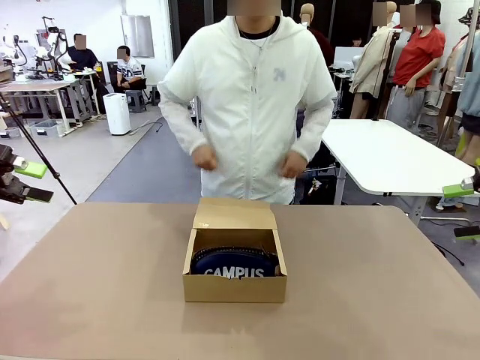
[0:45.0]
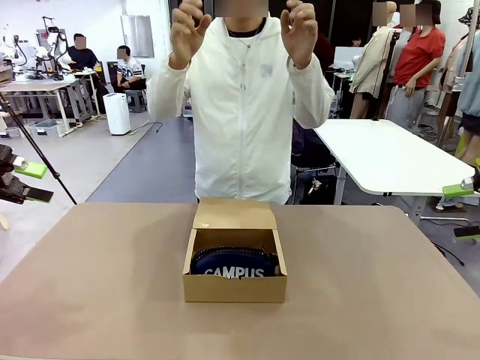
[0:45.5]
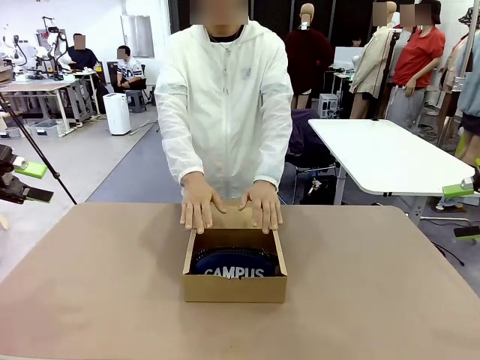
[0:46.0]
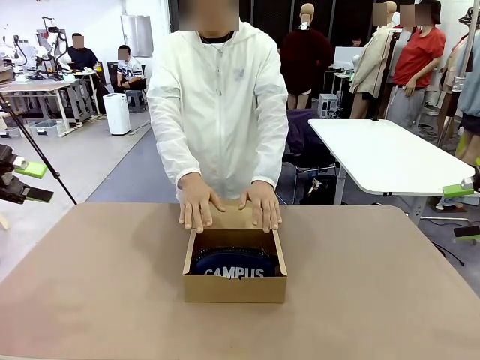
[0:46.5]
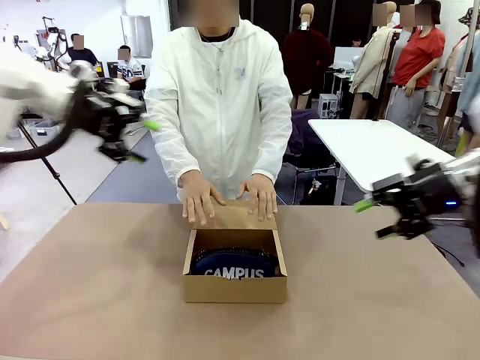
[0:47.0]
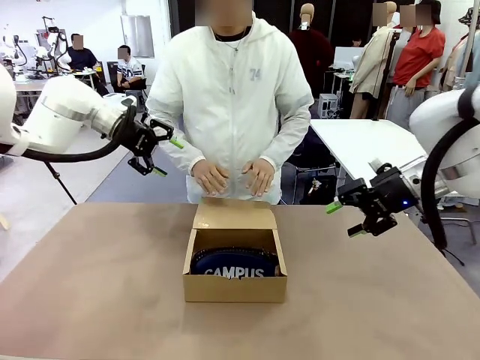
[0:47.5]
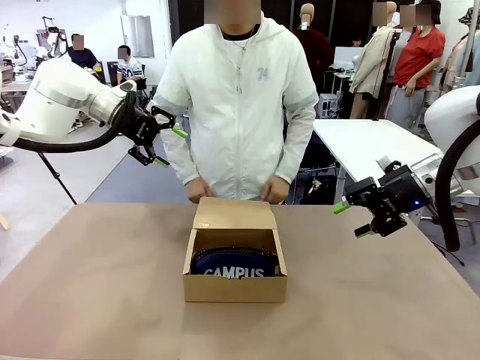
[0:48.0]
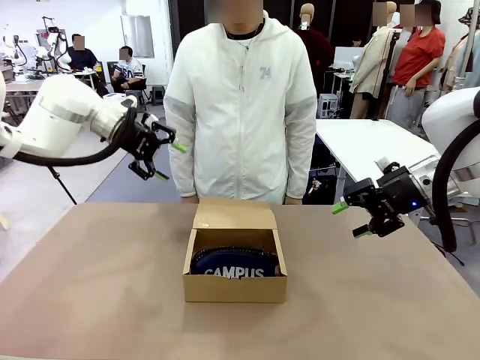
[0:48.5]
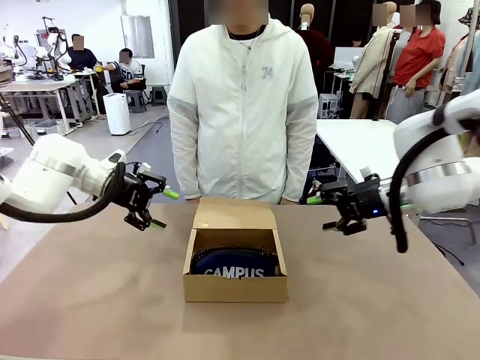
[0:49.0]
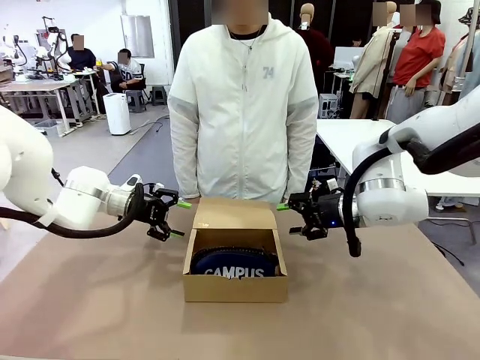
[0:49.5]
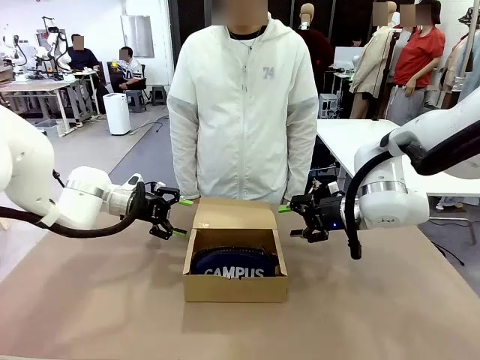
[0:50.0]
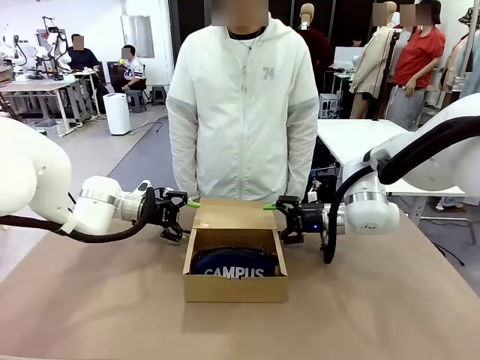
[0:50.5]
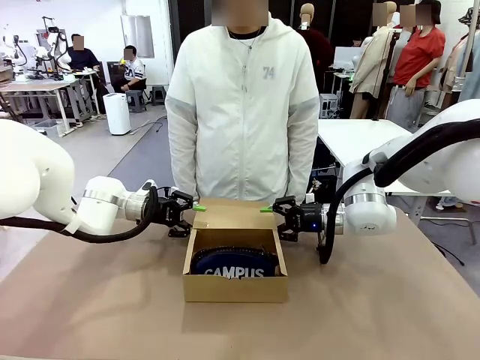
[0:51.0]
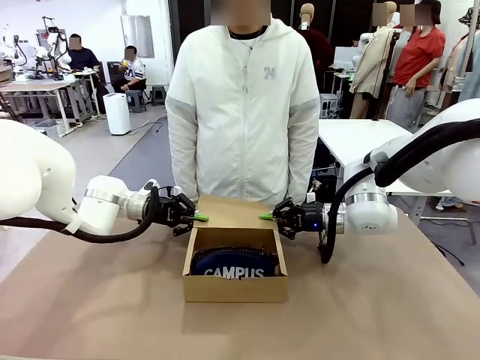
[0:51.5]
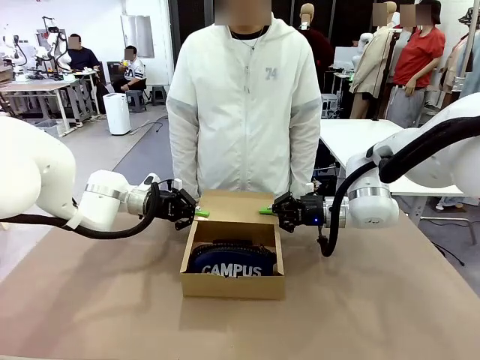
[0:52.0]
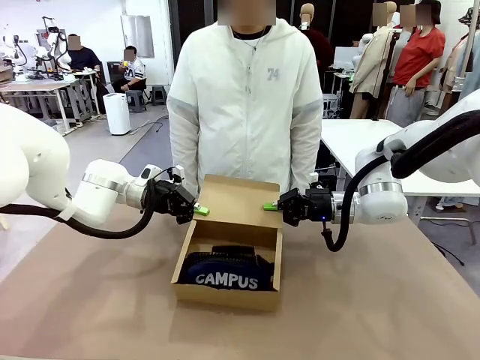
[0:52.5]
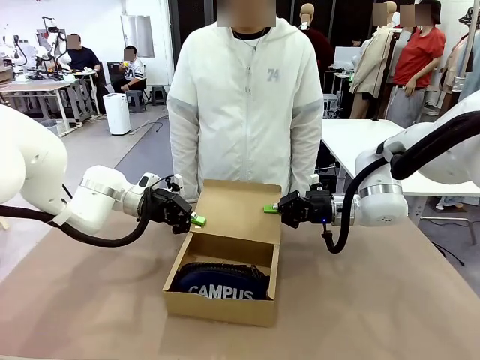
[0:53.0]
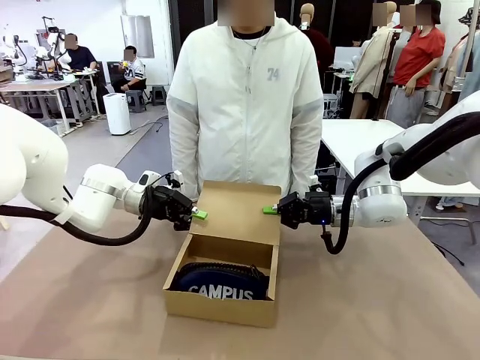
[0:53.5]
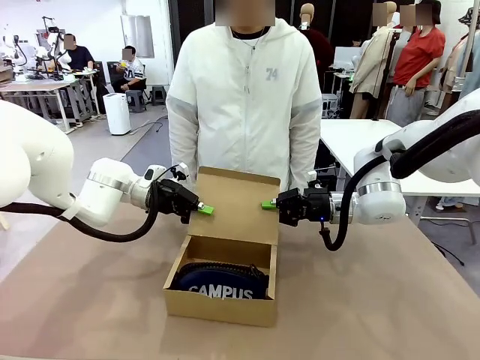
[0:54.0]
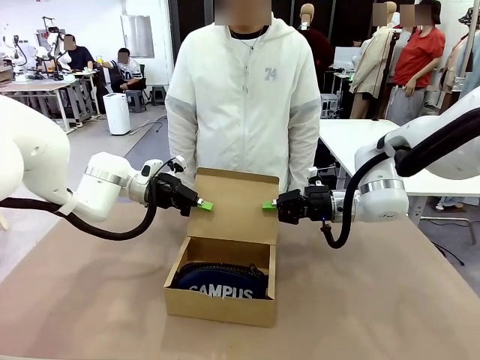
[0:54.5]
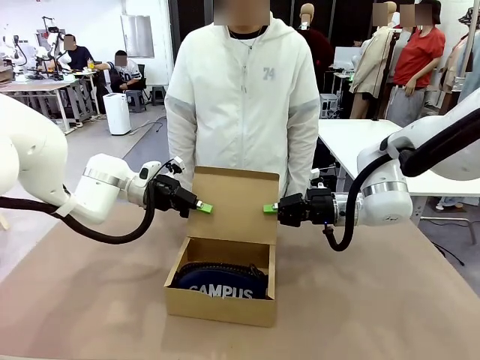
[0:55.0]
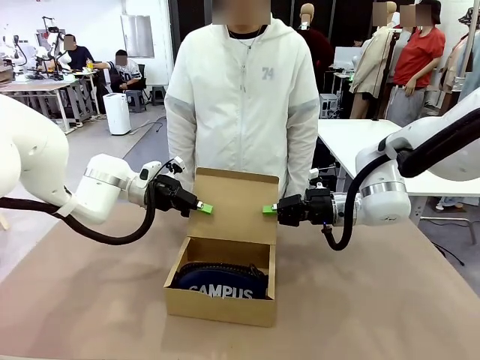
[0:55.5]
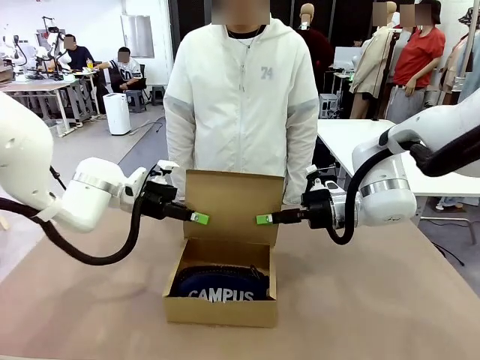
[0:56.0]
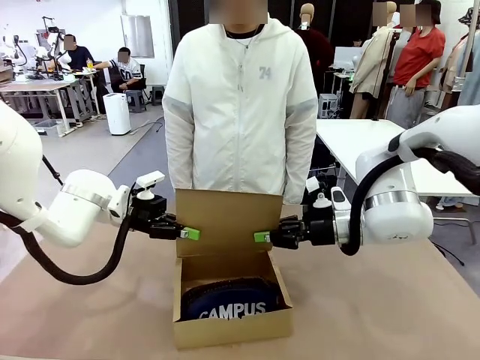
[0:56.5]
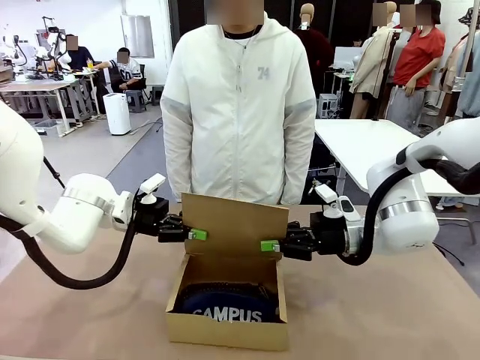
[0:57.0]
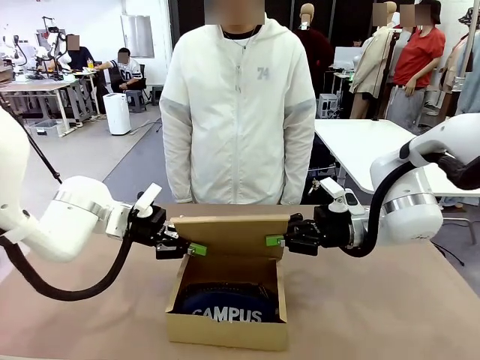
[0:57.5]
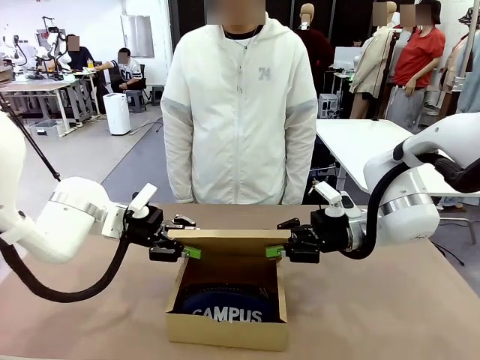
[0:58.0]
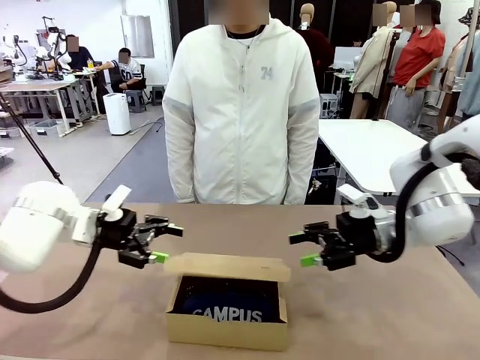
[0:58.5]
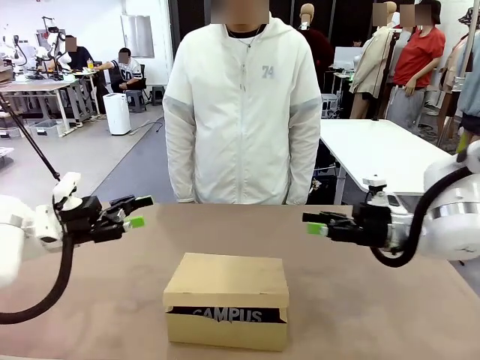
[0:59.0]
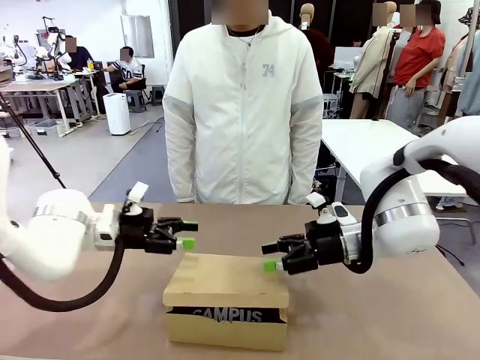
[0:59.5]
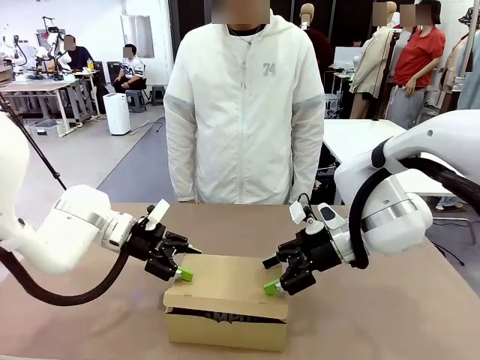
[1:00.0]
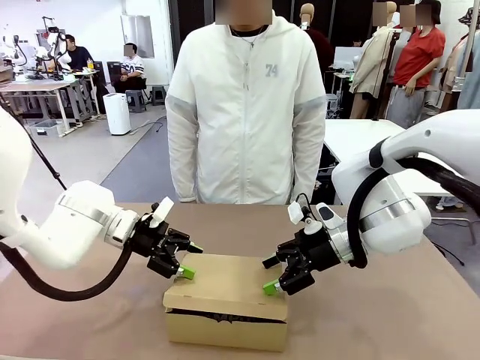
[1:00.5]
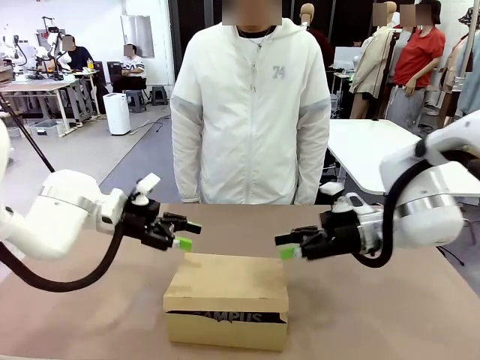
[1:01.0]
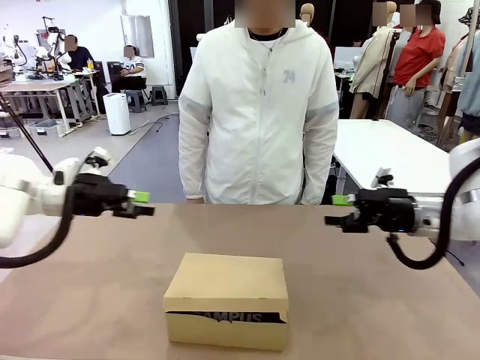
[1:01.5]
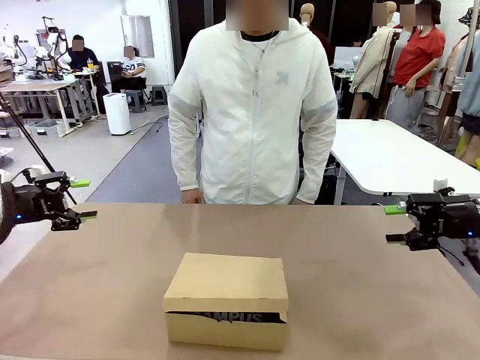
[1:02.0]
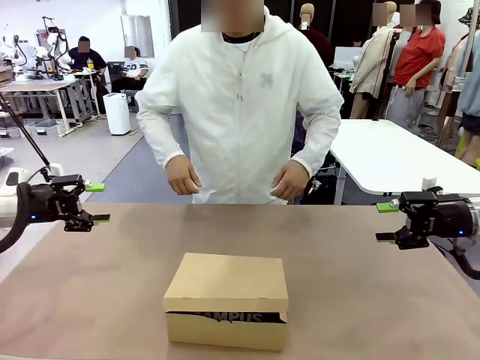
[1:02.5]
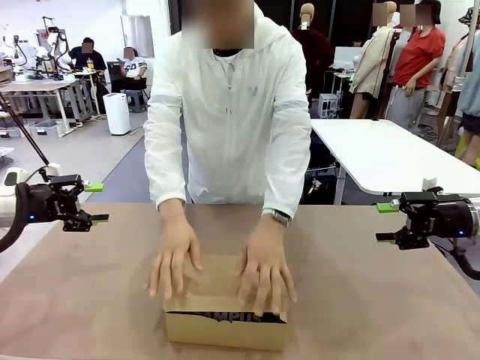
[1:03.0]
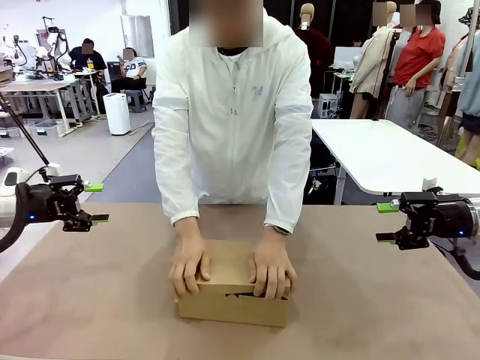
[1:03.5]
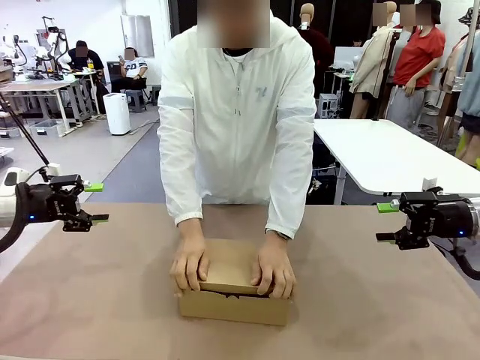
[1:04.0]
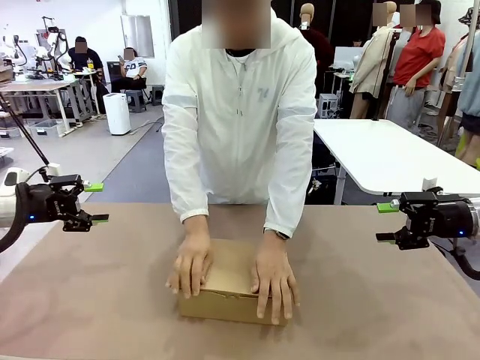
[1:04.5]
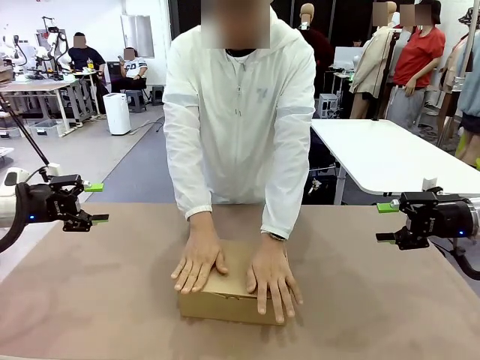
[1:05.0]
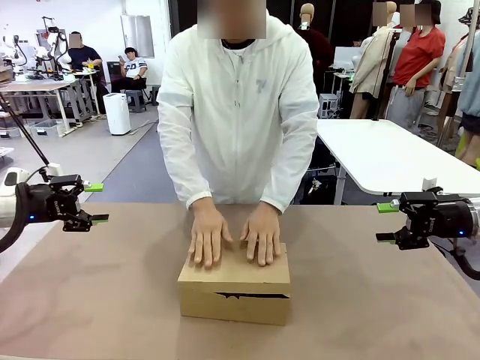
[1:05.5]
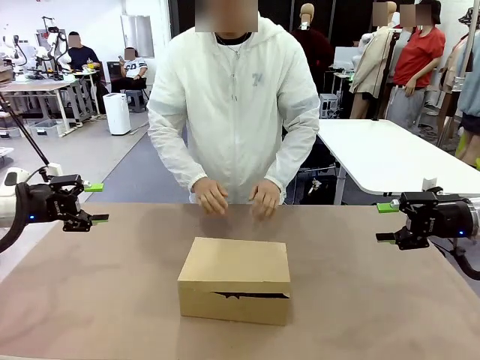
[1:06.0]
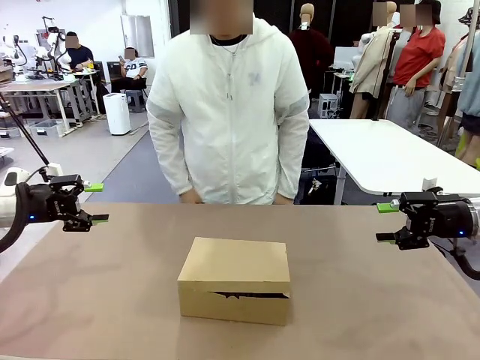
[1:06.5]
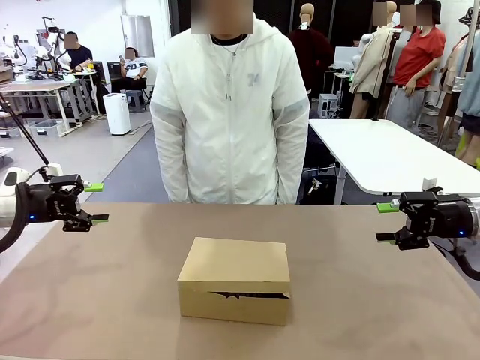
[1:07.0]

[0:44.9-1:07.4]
Task: Pack the items into the box.
Robot: Close the Mailer Box.
Person: Turn the box and lock it.
